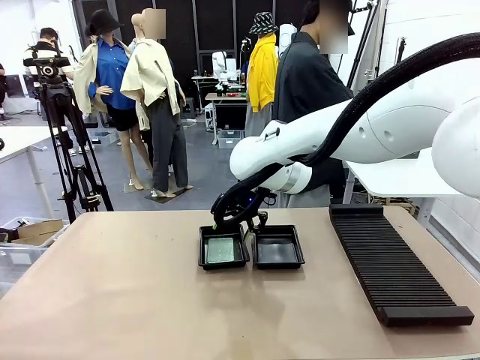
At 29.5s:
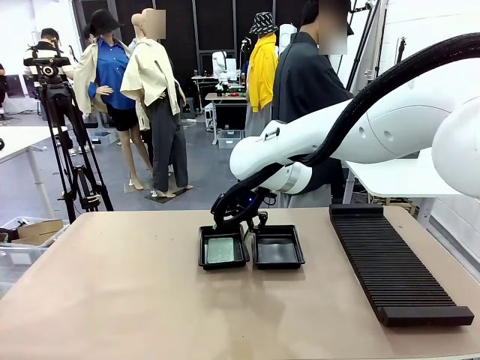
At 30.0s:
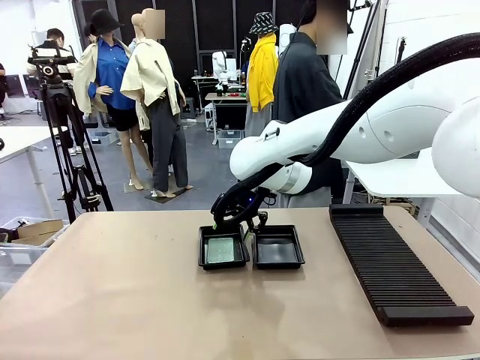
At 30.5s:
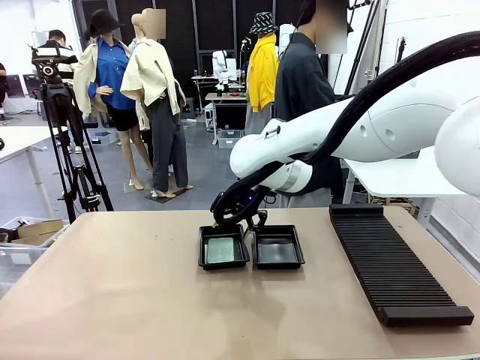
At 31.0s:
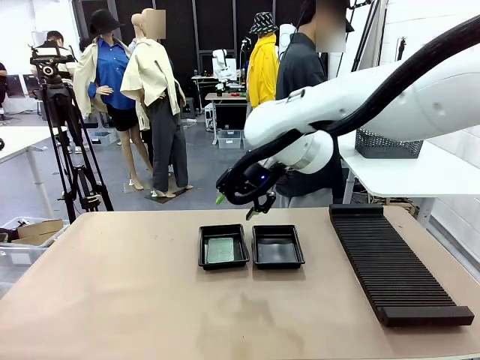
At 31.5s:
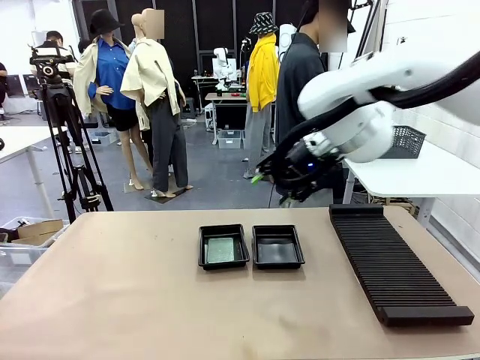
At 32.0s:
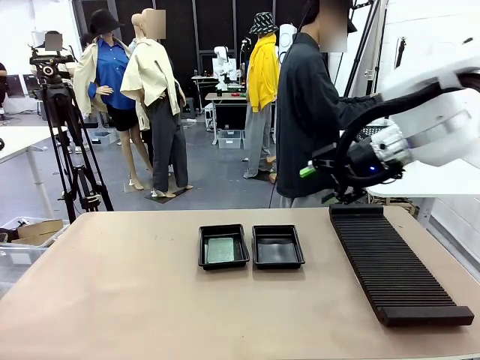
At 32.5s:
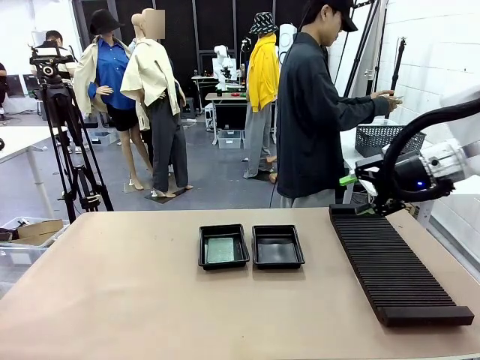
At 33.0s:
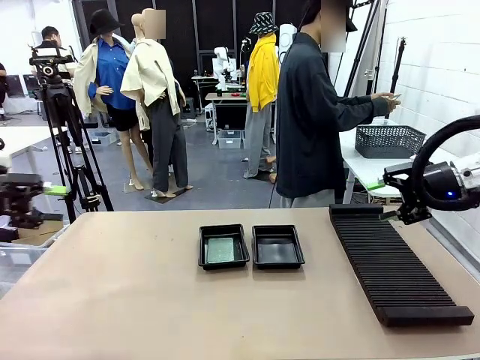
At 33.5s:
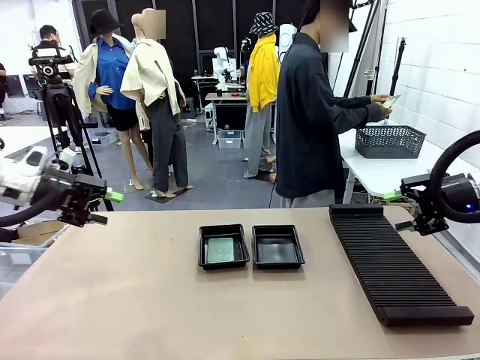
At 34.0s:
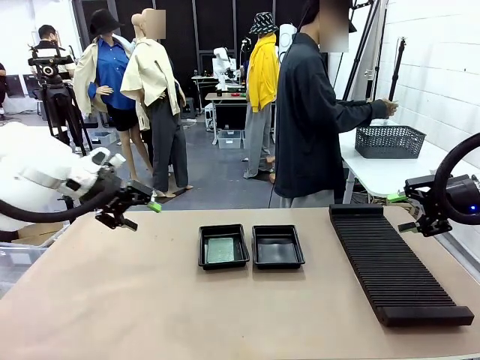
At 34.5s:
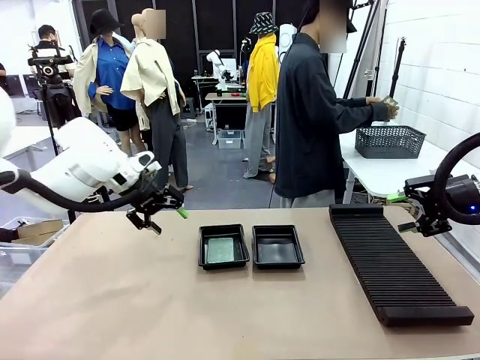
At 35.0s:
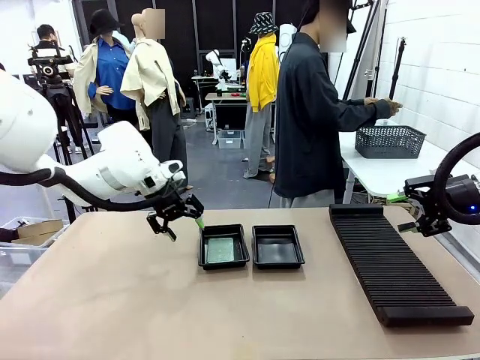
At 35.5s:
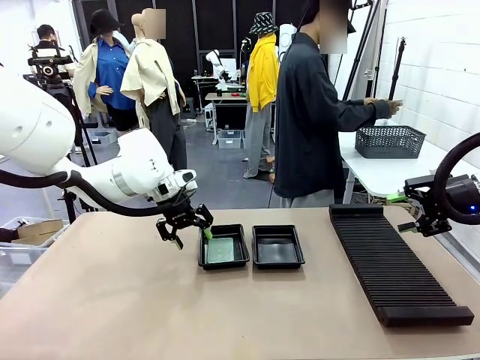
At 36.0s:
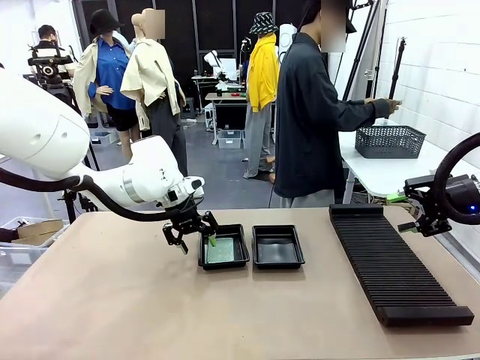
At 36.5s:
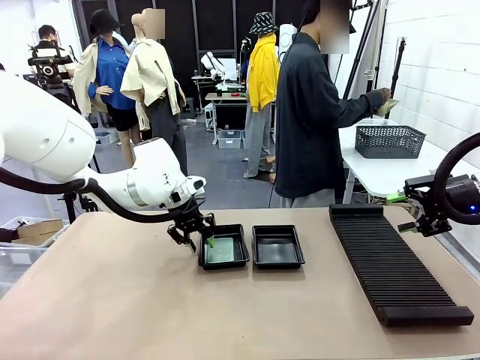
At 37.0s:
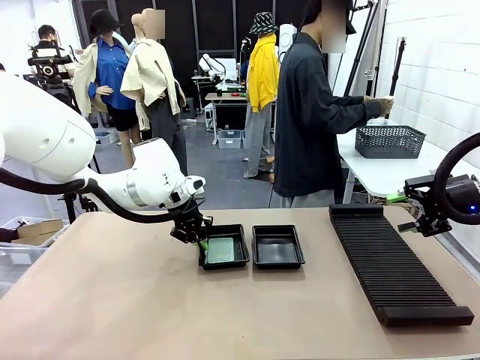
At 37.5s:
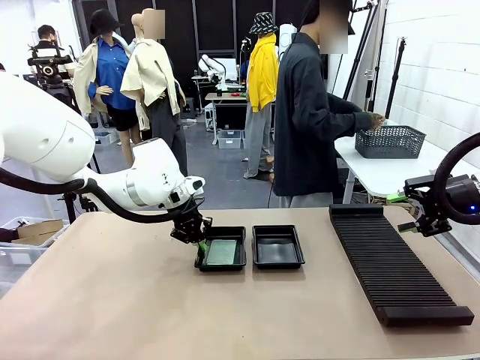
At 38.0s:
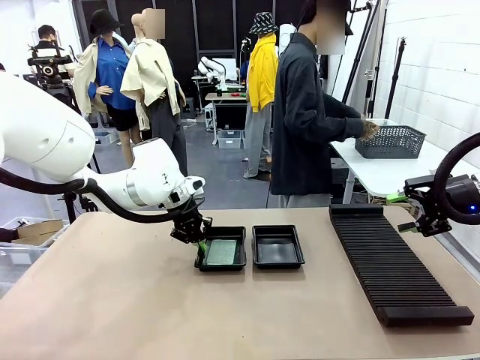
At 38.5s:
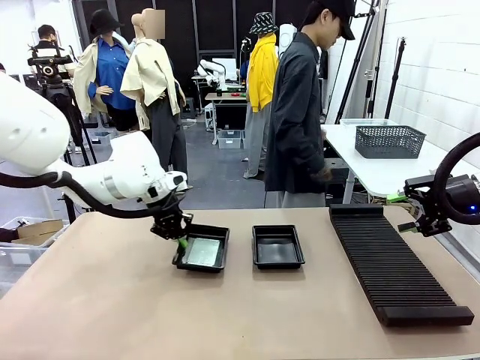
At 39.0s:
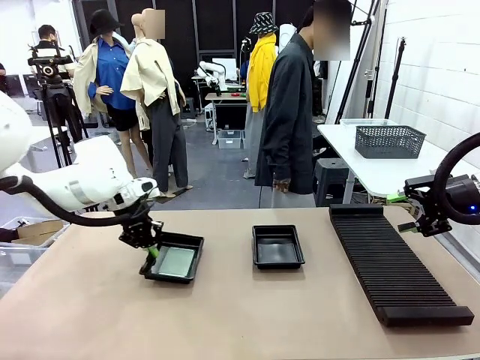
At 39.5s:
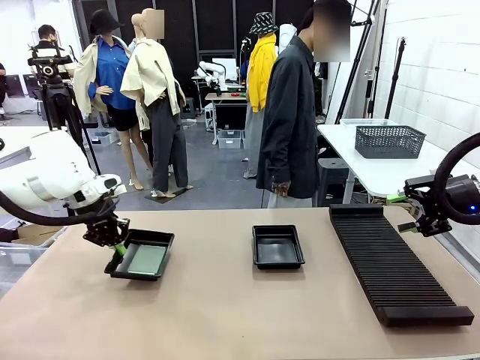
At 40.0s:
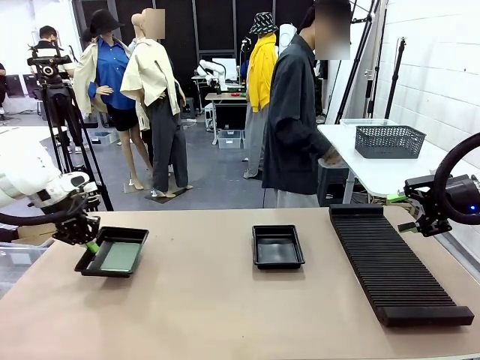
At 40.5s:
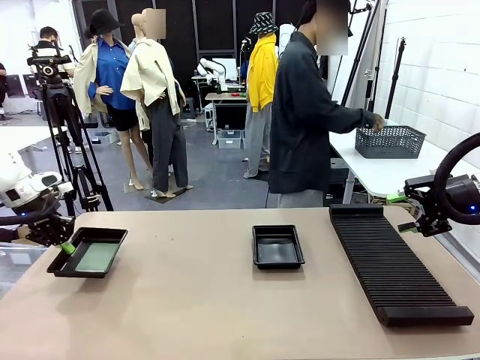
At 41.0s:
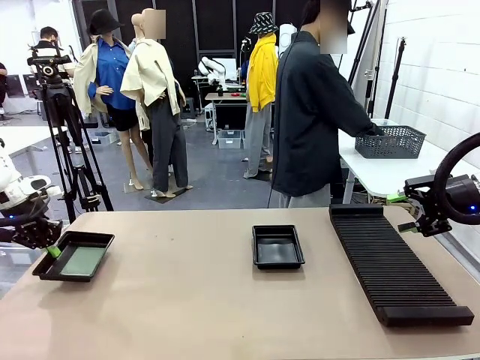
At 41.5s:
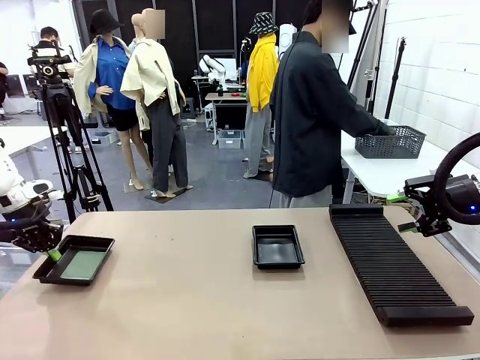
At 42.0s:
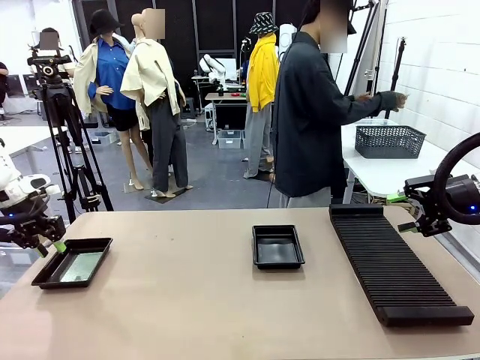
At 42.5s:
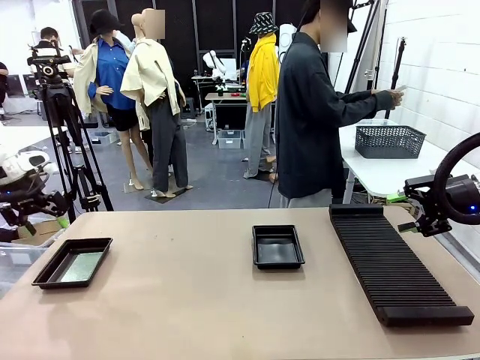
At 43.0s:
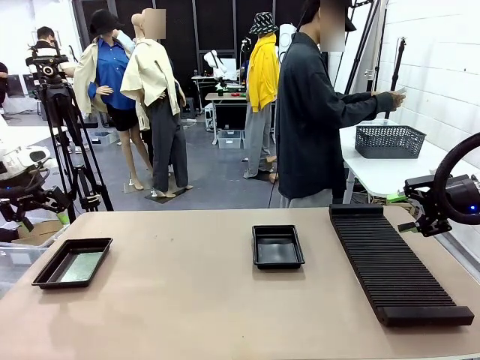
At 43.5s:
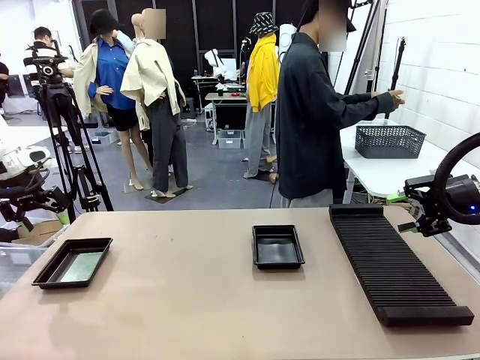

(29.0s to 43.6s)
Task: Inspect and transfer BCBs to ESD trays.
Robot: Pick up the ESD tray and place it on the left side of the table.

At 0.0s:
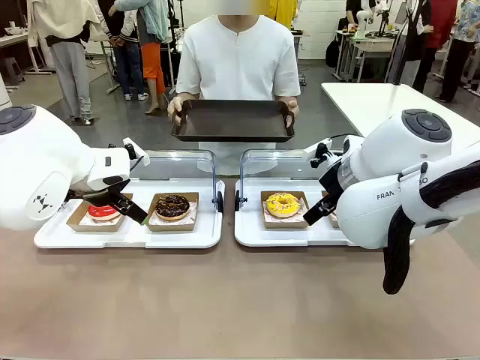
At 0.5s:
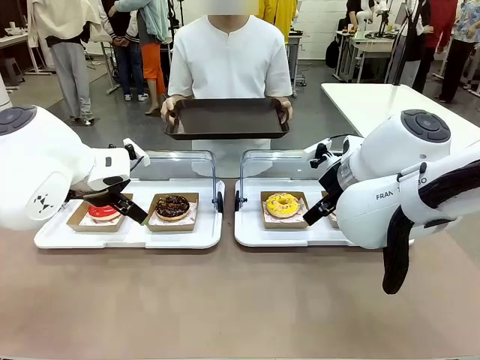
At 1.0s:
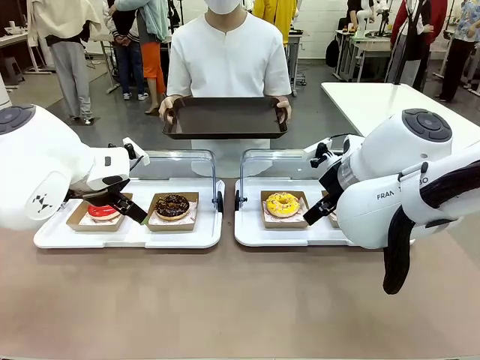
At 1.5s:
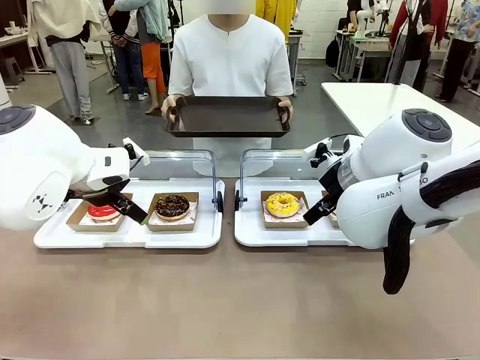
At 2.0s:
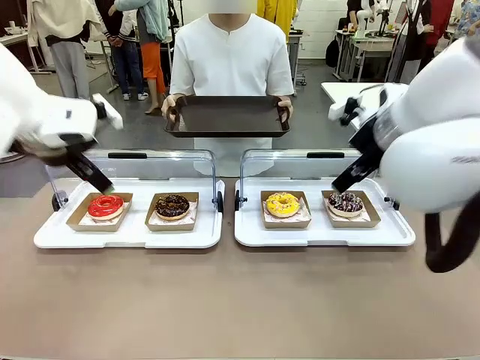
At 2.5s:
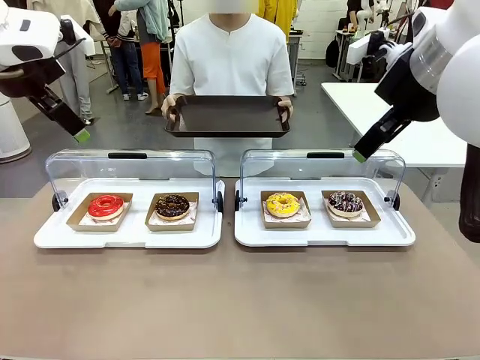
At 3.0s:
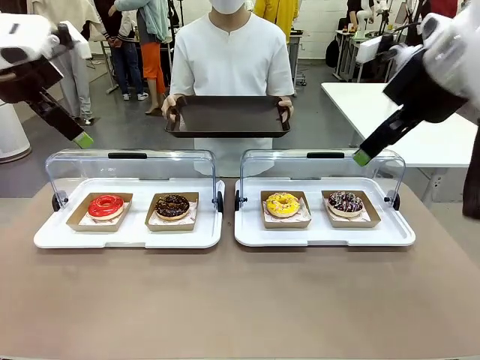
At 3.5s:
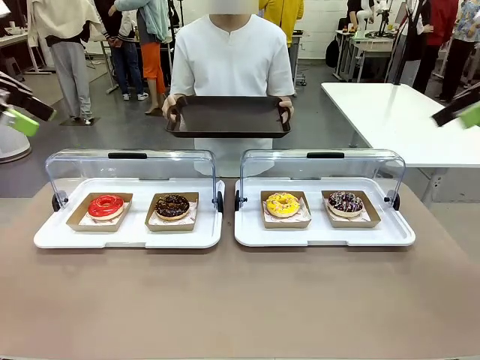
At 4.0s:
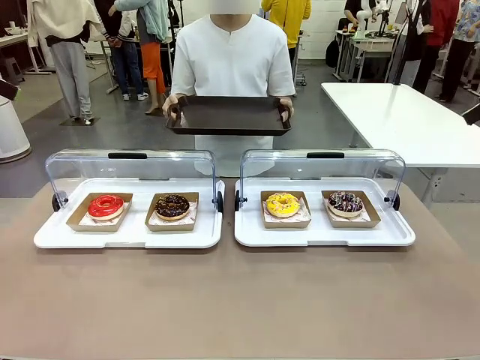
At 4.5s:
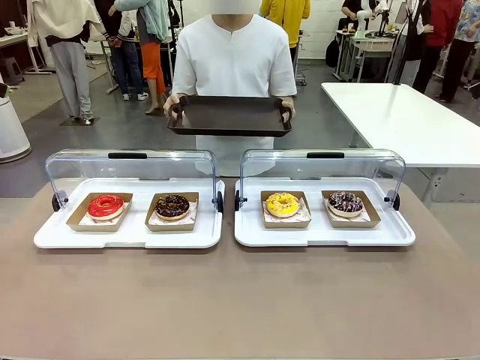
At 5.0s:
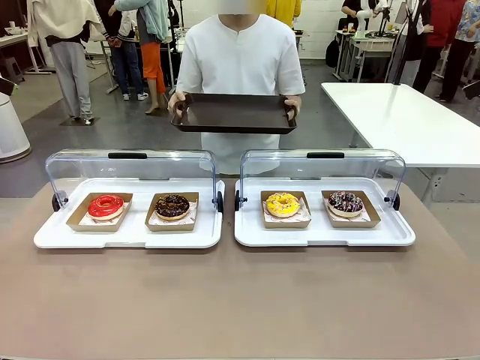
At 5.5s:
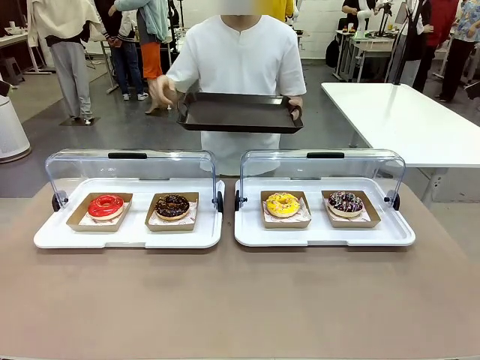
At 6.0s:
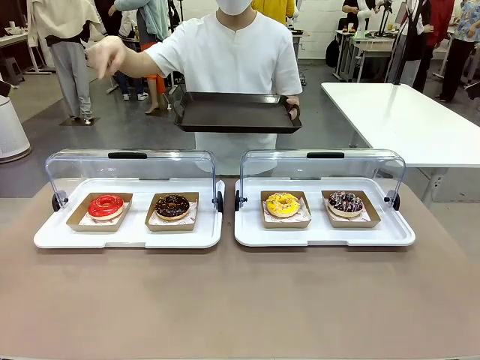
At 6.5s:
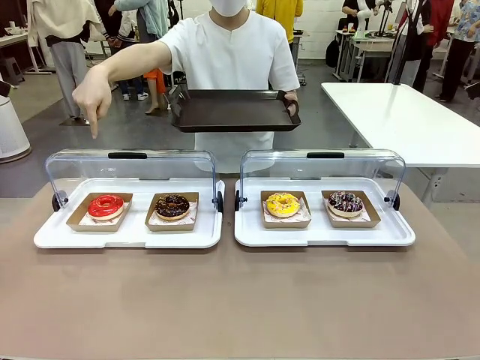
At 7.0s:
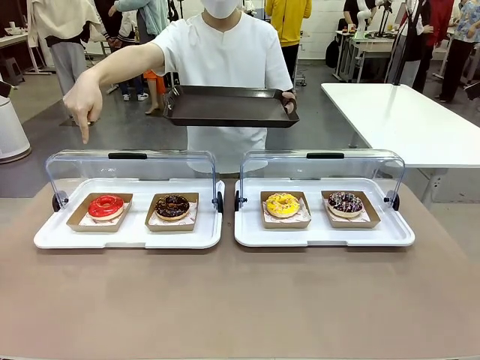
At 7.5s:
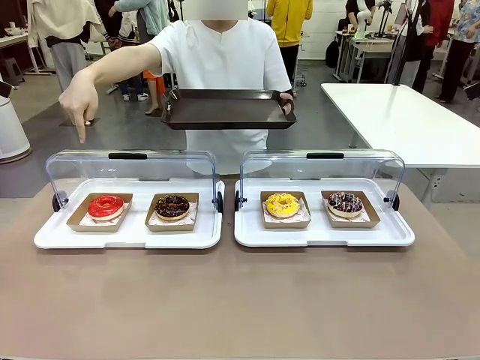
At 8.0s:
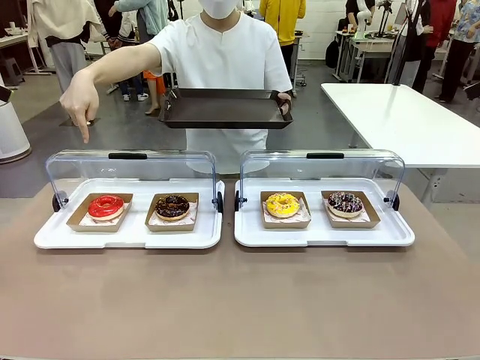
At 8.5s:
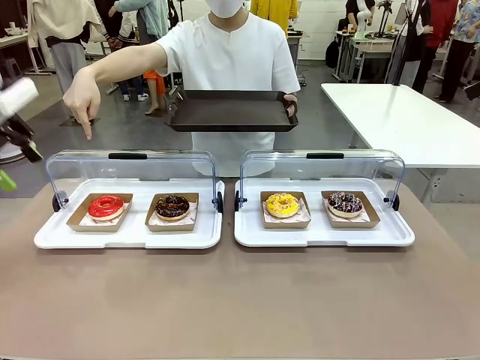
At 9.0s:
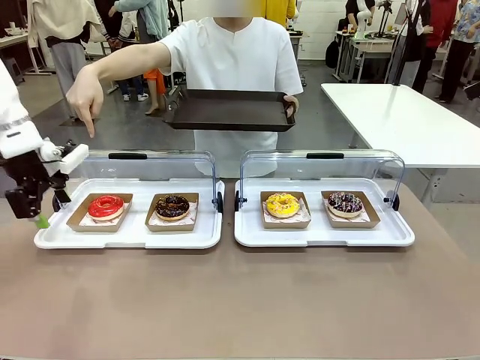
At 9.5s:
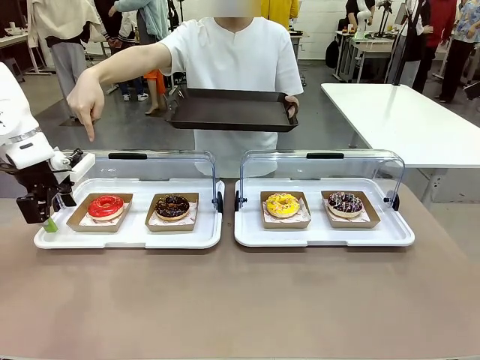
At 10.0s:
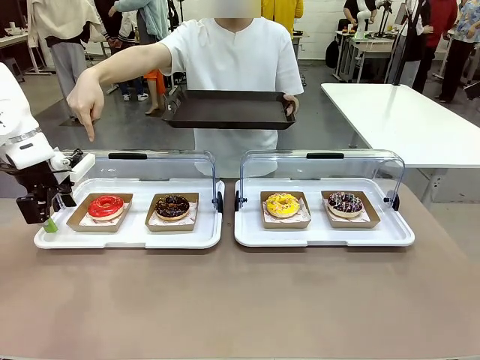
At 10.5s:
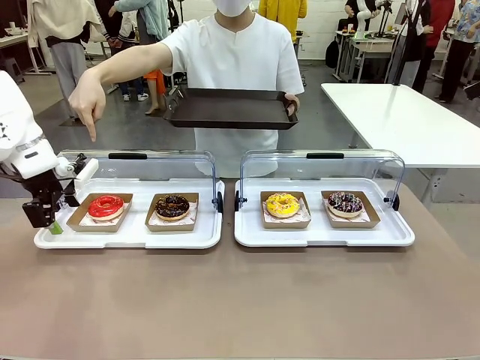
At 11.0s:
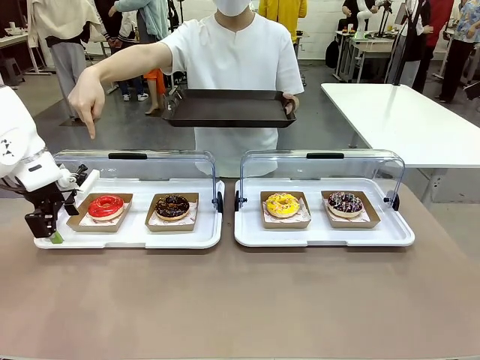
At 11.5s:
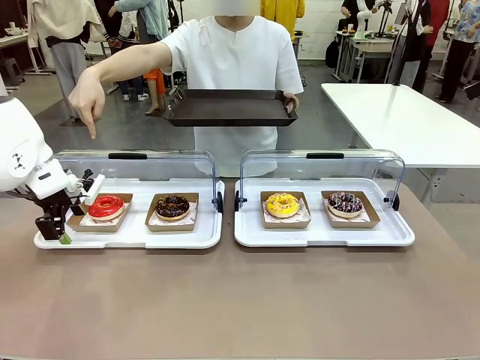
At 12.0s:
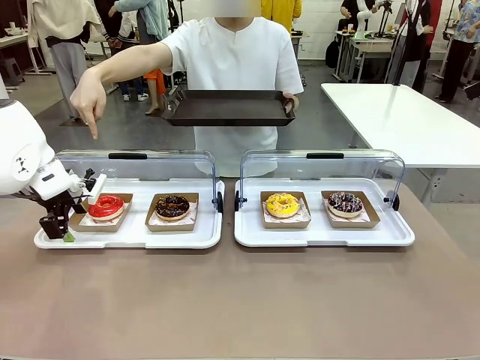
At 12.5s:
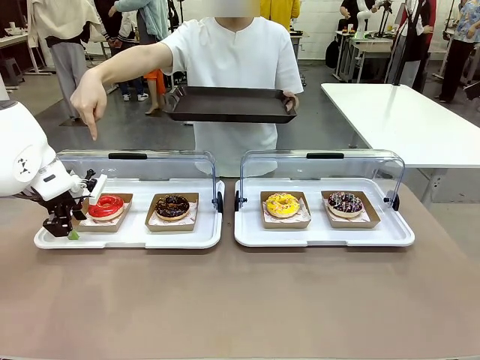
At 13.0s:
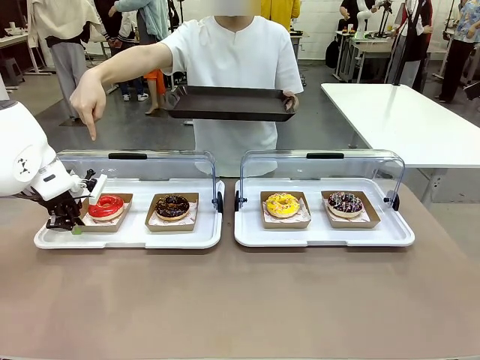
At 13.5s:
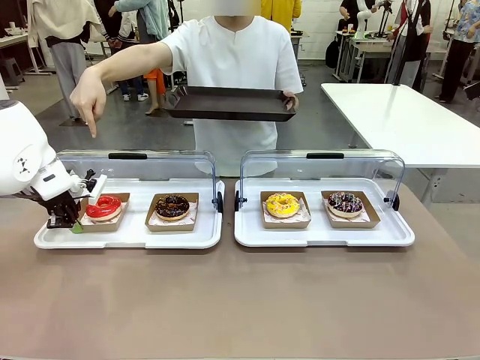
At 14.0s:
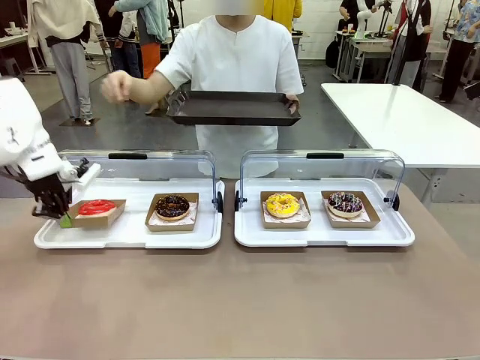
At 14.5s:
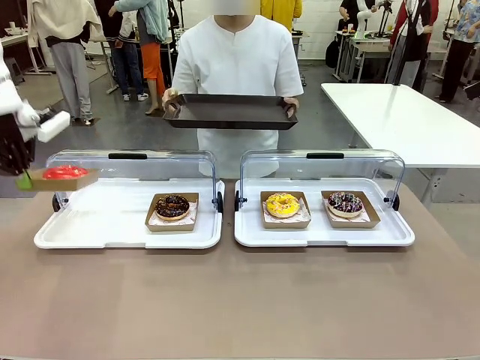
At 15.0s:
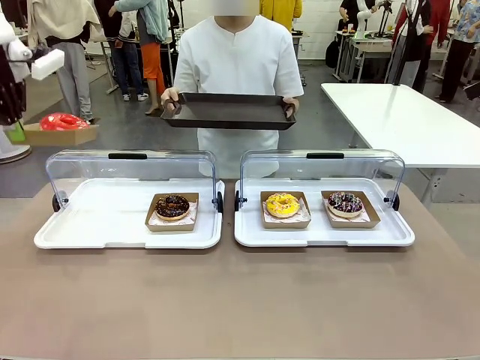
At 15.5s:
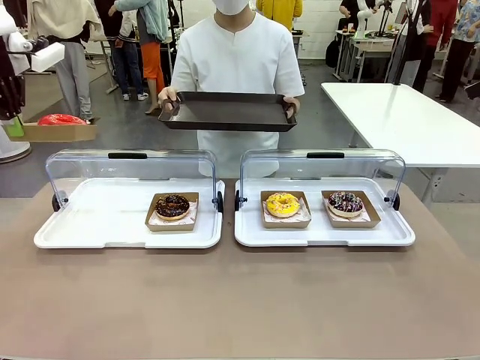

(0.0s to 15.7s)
Task: Provide the desired donut to the person.
Robot: Pick up and lift the Paper togo box containing the Donut pointed at by the person.
Person: Point to one donut. Lift the tray onto the Roll-Top Bakery Case.
